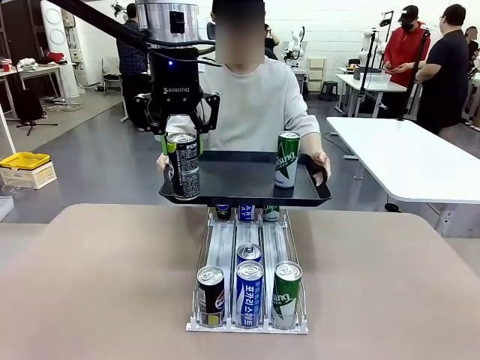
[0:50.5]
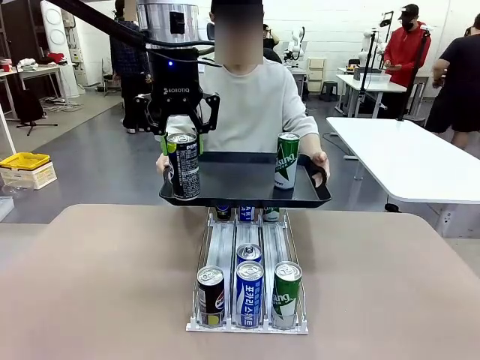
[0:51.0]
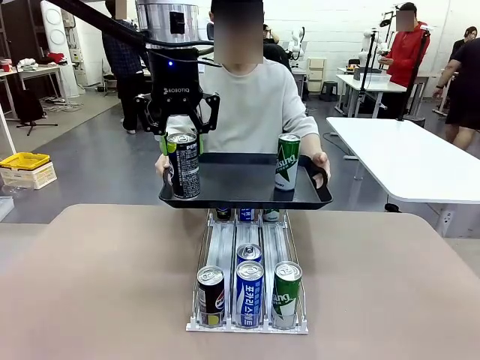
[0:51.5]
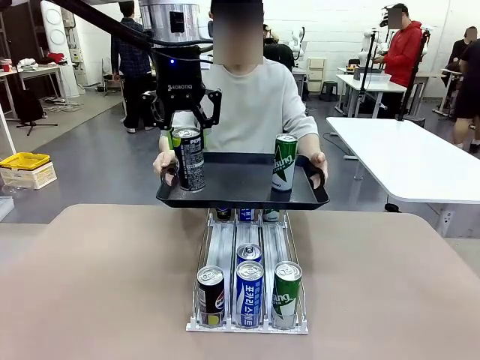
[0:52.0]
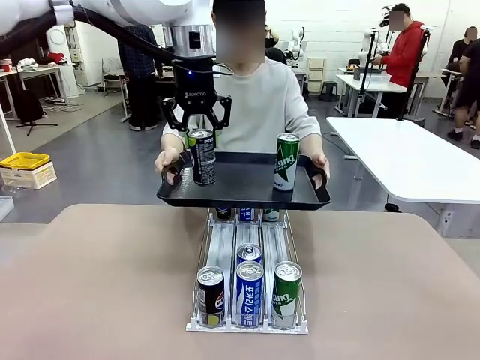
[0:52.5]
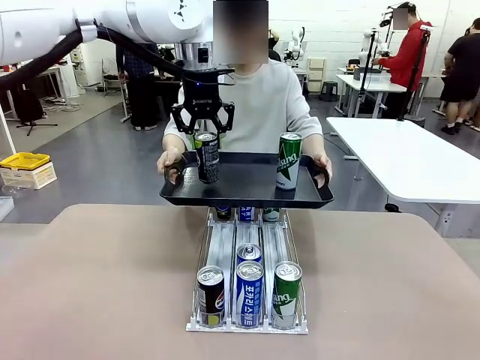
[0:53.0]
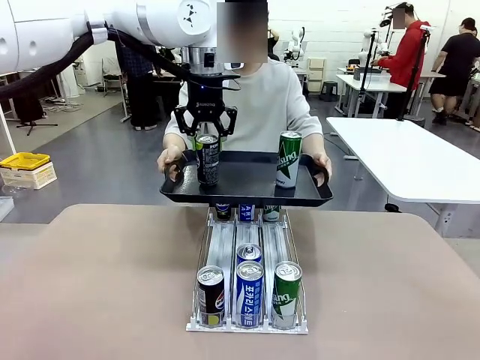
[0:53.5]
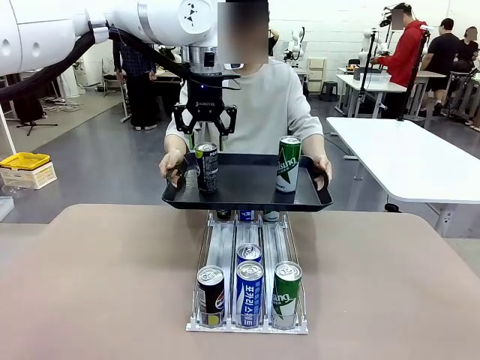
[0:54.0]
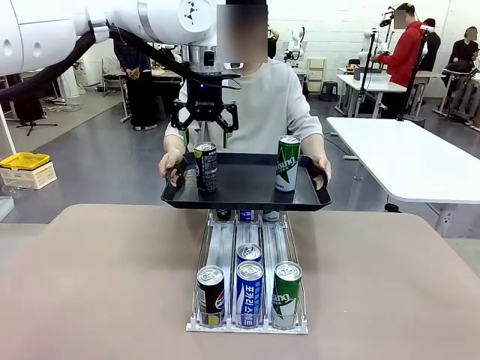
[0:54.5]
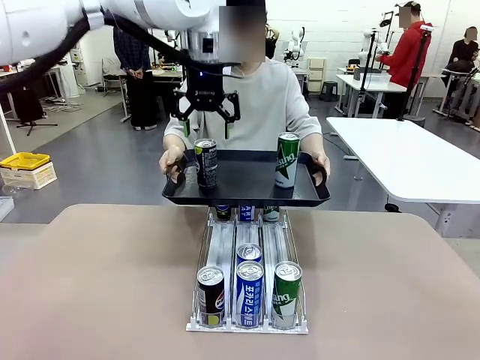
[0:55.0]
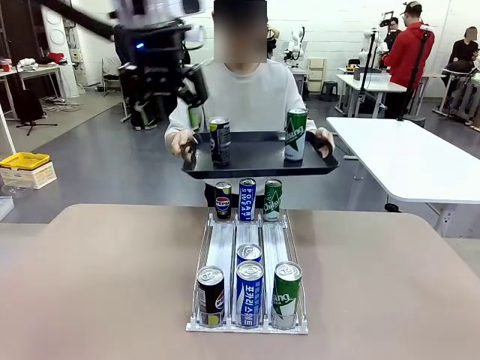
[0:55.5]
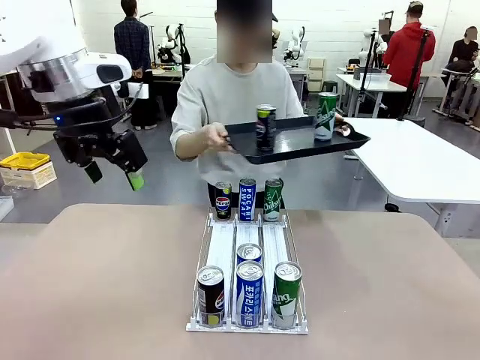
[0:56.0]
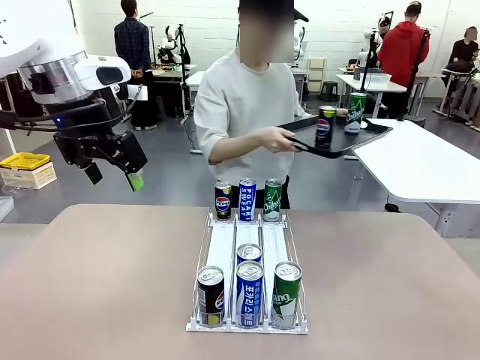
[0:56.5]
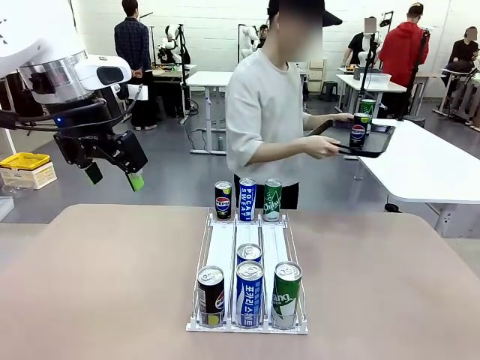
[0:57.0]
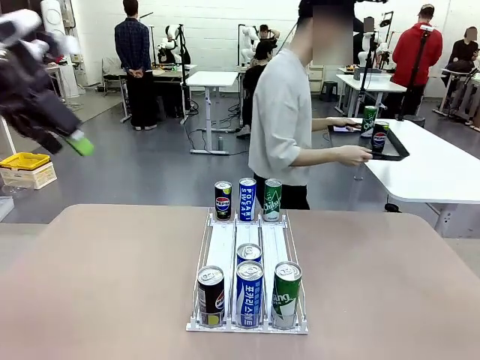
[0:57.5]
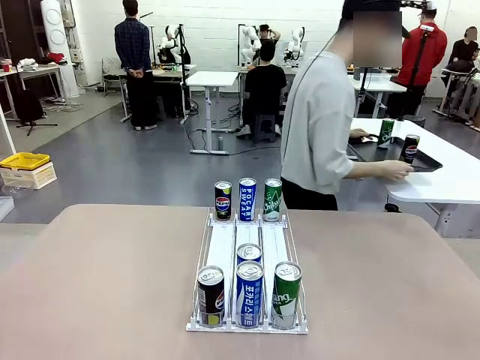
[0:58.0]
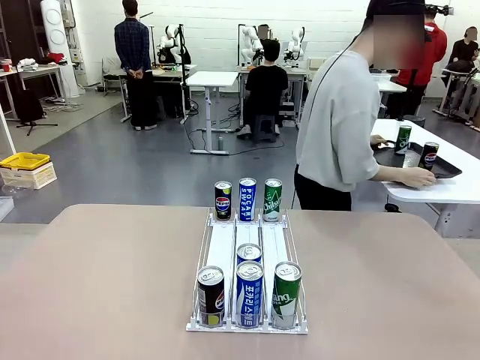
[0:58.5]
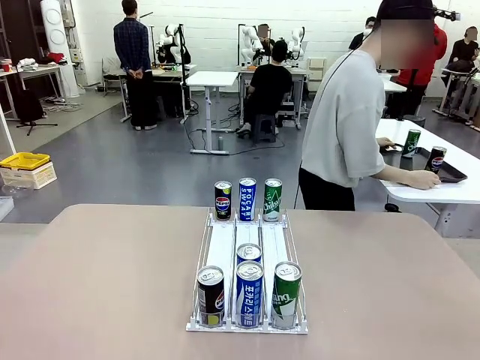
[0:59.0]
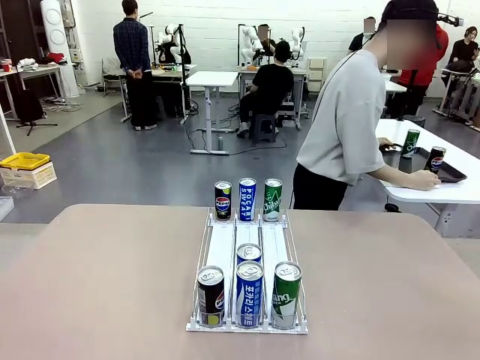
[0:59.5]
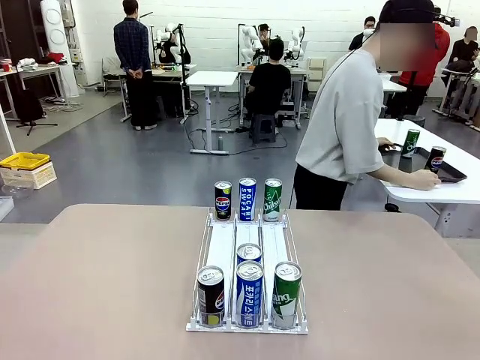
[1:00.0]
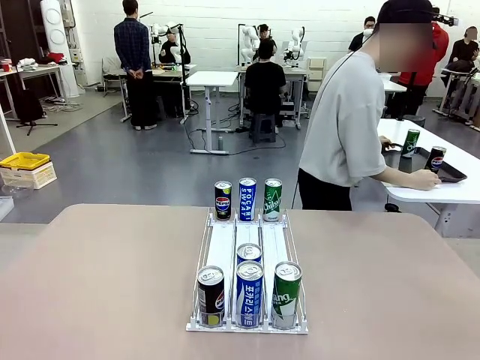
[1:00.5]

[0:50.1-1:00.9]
Task: Retrieve and hand over the desired beverage to the person.
Robot: Place the picked can on the Handle tray extended by the person.
Person: Pull the tray back and place it at the center of the human table.

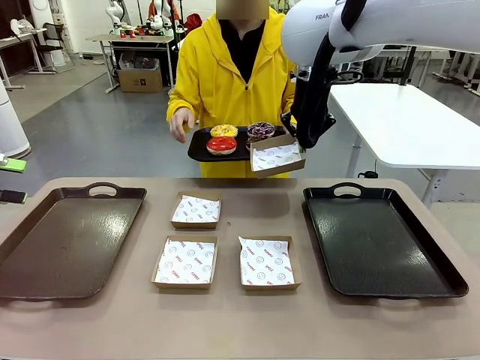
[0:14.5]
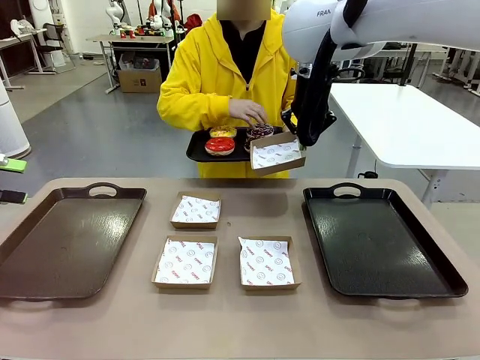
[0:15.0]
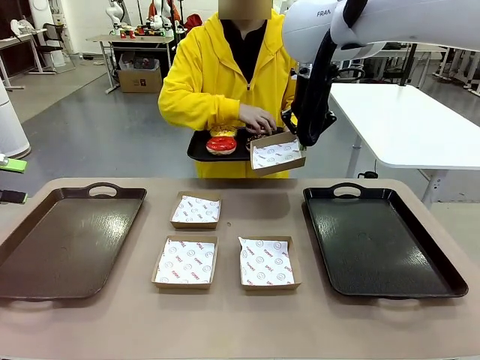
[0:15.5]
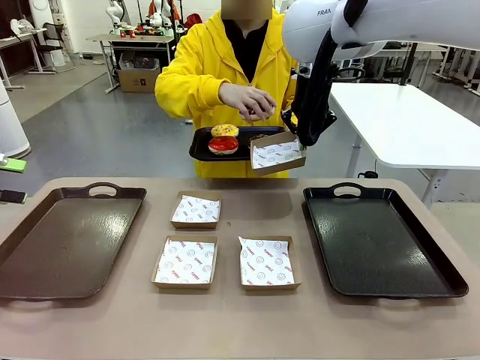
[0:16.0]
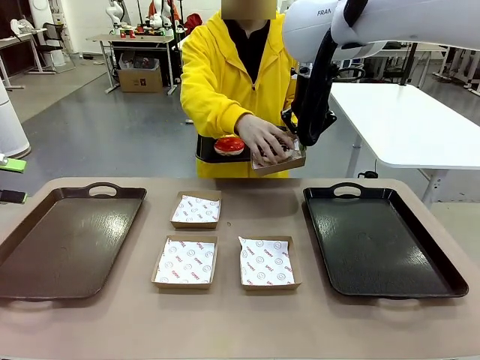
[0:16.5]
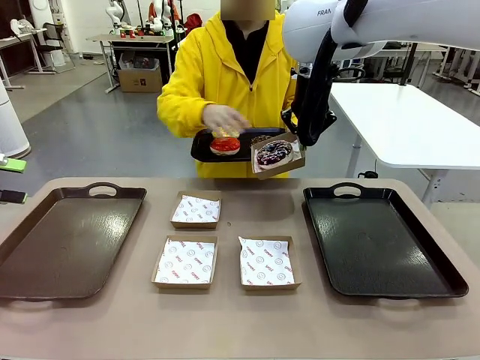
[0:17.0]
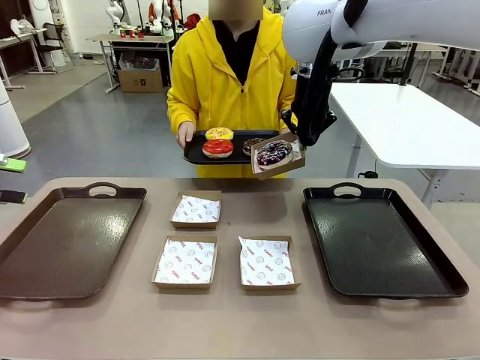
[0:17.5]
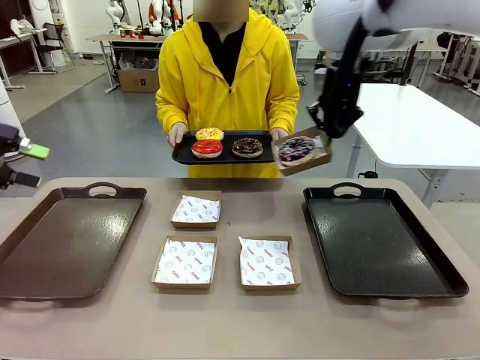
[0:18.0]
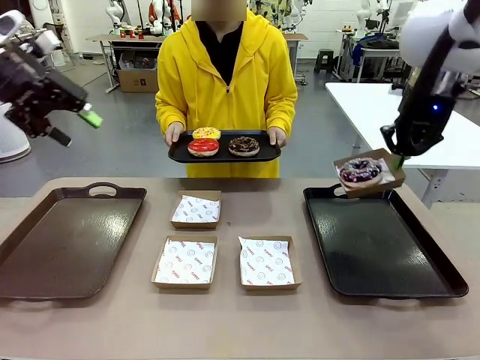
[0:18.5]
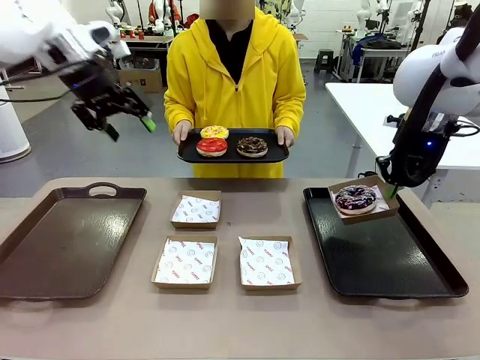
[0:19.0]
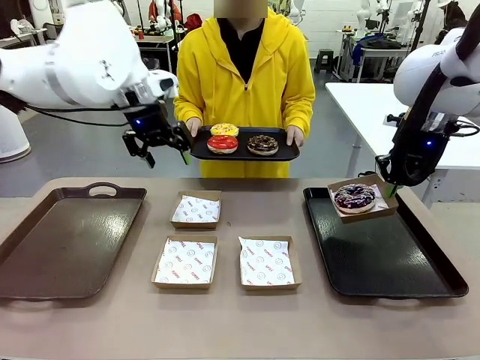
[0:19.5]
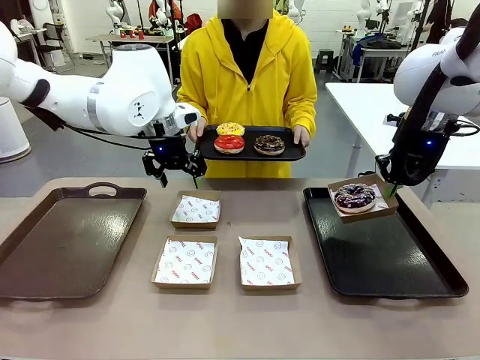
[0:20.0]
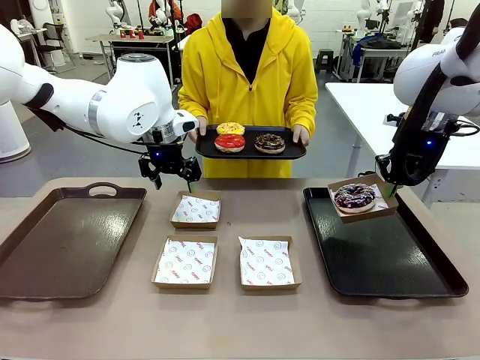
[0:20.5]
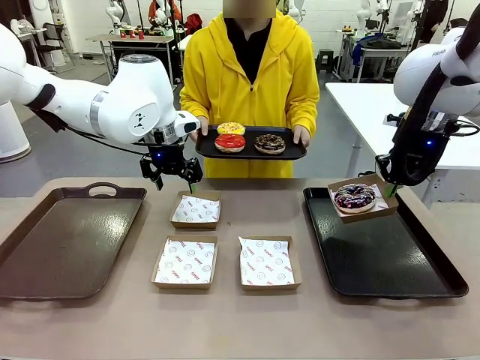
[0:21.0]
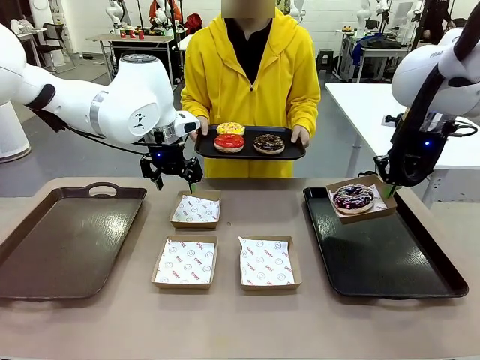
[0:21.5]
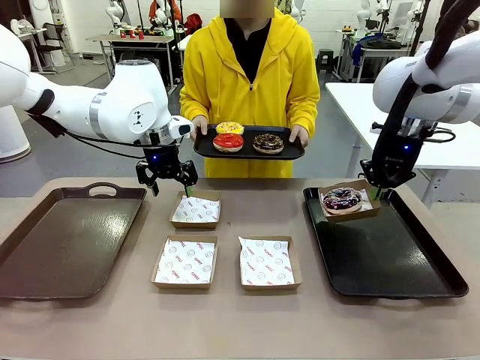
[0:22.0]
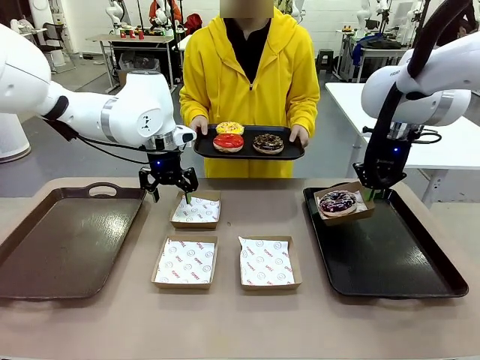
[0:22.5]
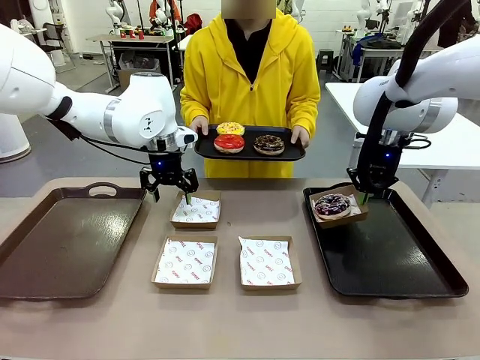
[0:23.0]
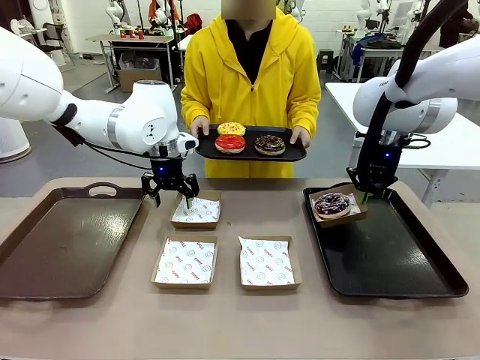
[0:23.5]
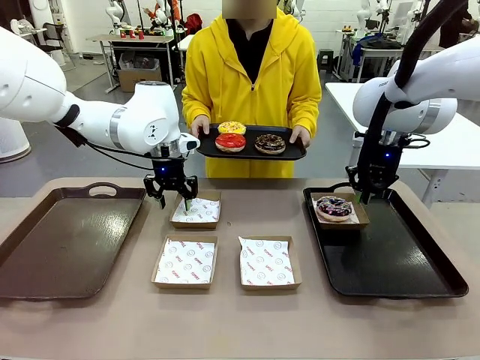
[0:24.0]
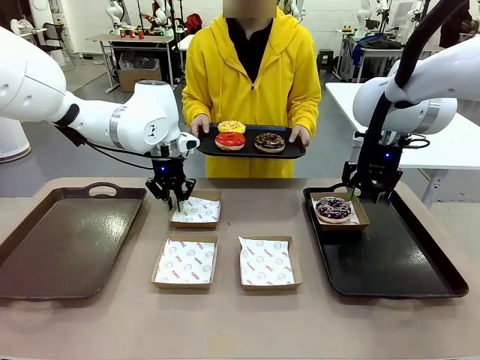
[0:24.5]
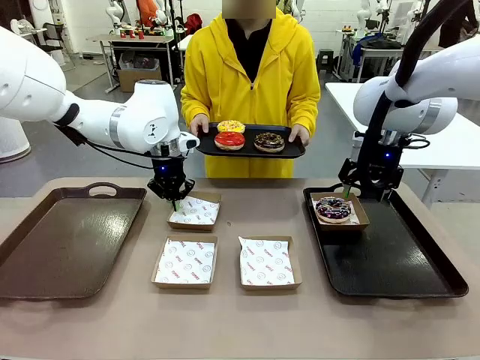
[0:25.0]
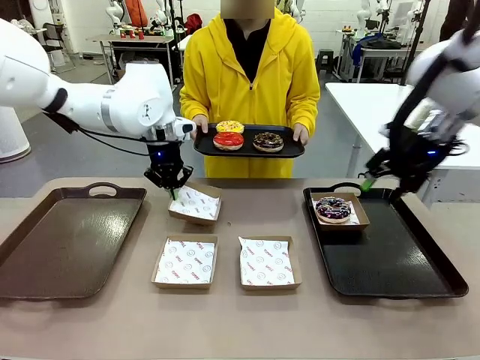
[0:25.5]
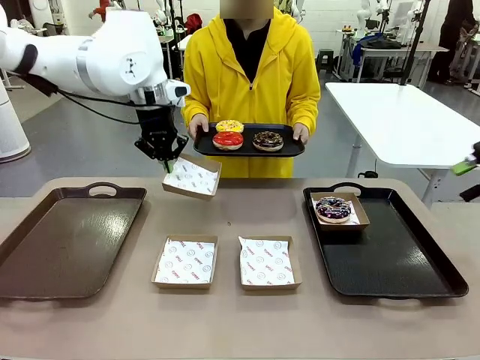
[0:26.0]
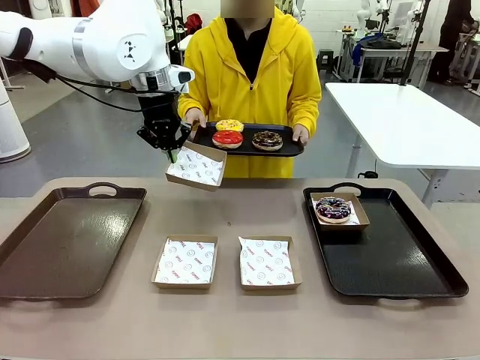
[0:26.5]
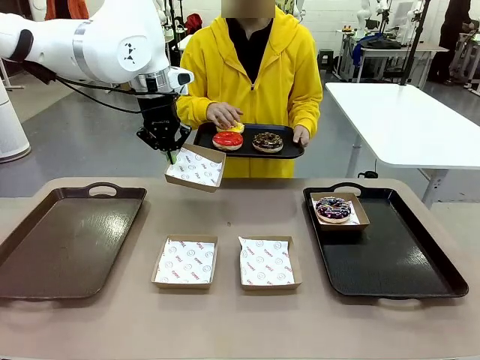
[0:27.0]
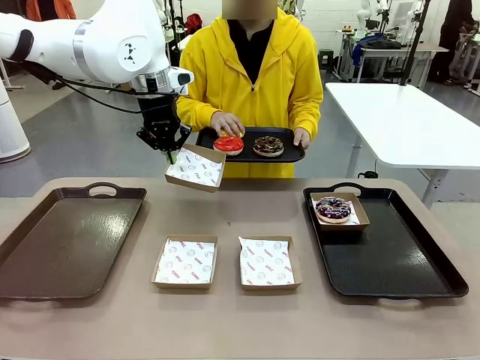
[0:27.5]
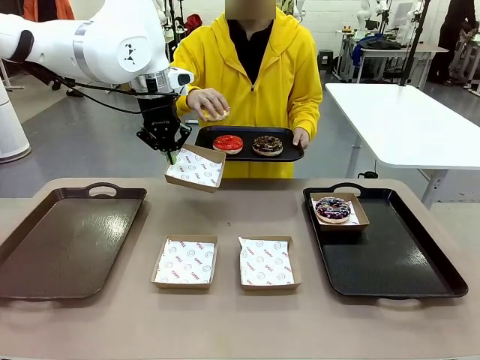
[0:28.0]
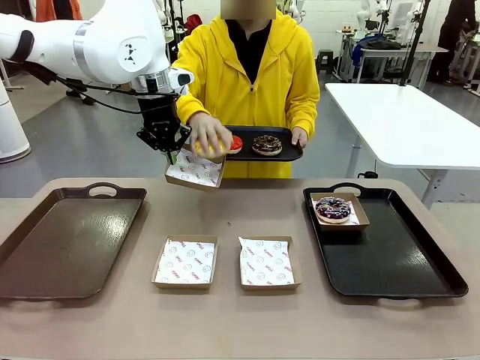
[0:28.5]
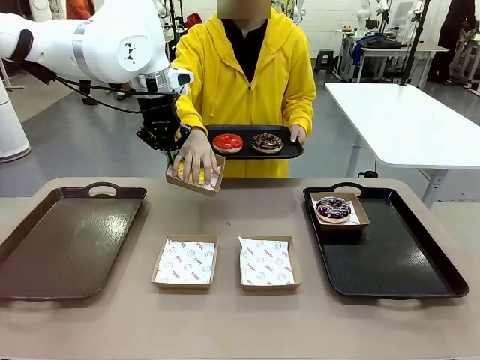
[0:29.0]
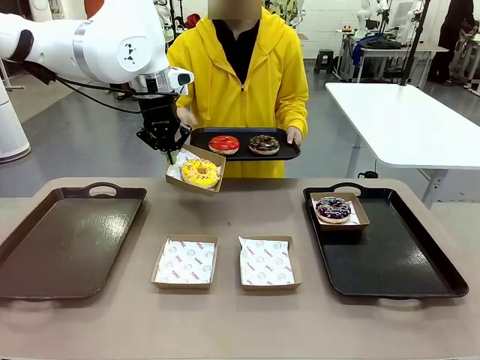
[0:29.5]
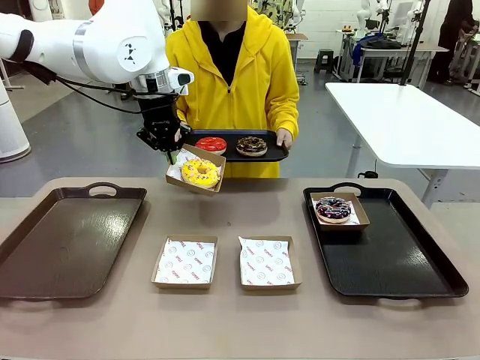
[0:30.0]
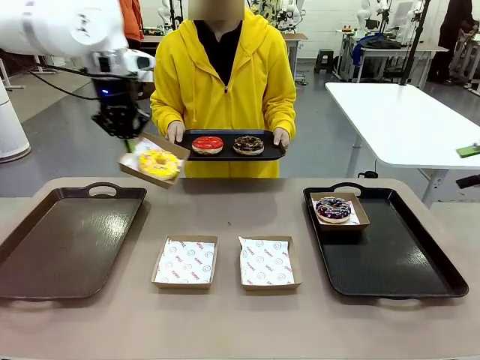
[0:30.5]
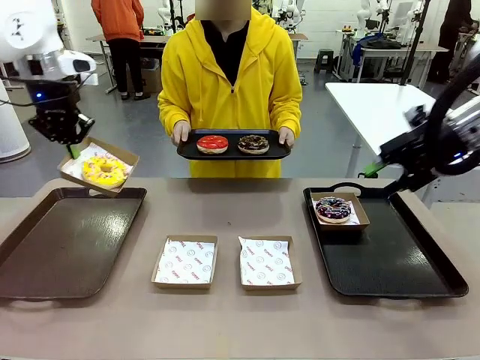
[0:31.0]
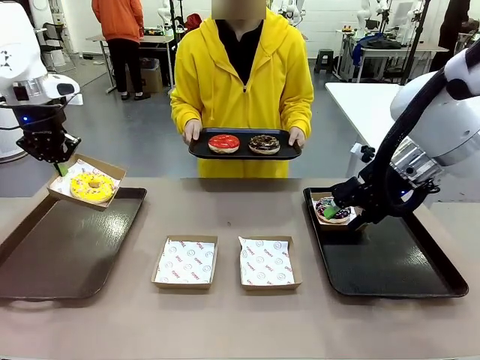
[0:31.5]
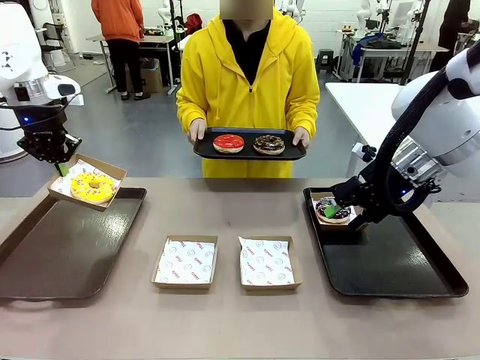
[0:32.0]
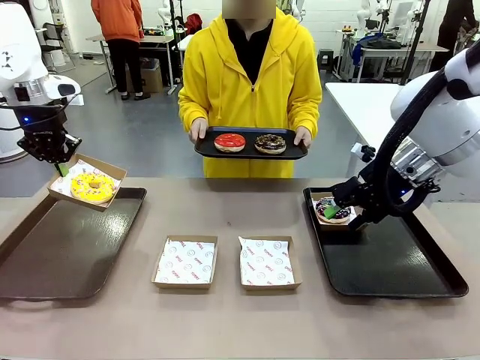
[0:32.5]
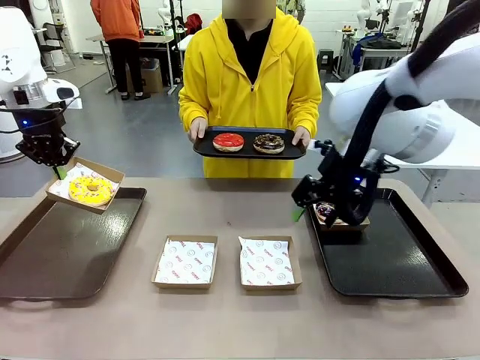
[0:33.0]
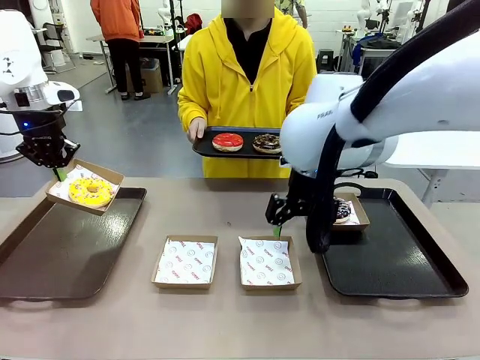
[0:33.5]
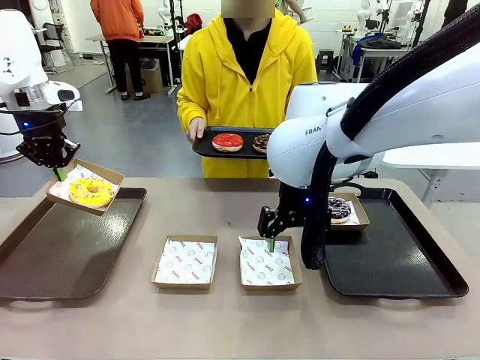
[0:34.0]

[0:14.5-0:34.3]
Task: Individually package the donuts and arrange them on the tray.
Robot: Place the picked Paper togo box on the Handle tray while simultaneously picking up another Paper togo box from the table with the other hand.
